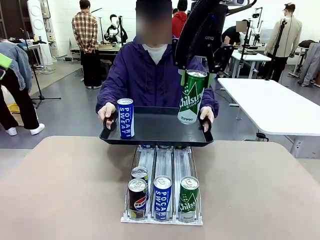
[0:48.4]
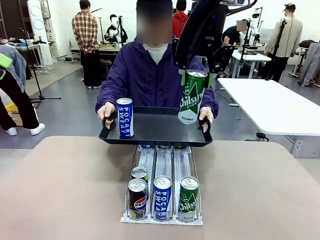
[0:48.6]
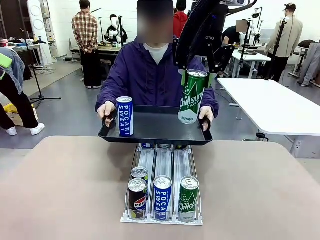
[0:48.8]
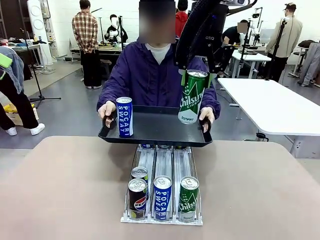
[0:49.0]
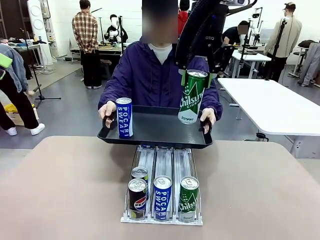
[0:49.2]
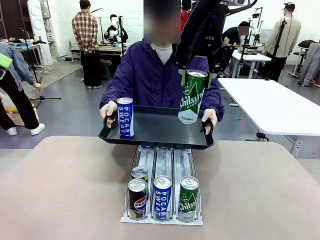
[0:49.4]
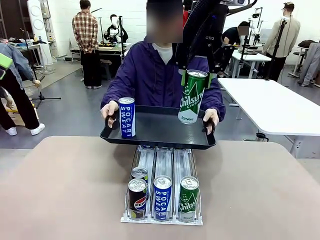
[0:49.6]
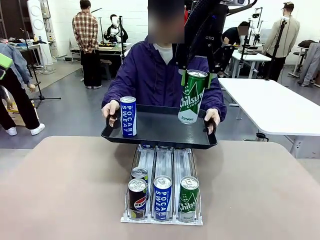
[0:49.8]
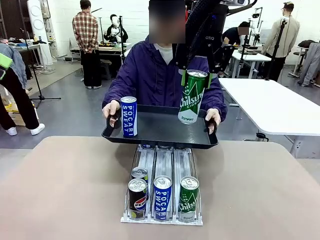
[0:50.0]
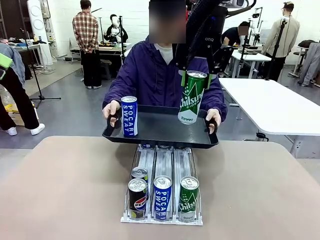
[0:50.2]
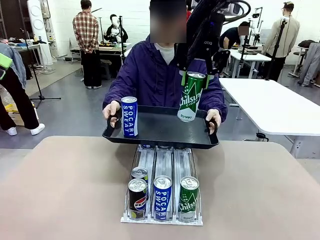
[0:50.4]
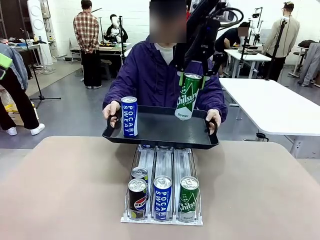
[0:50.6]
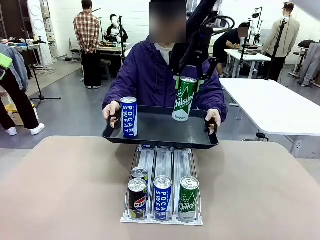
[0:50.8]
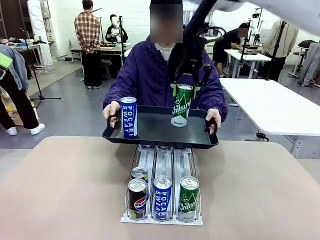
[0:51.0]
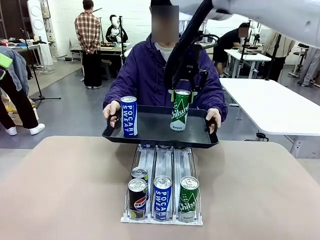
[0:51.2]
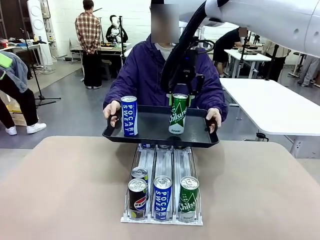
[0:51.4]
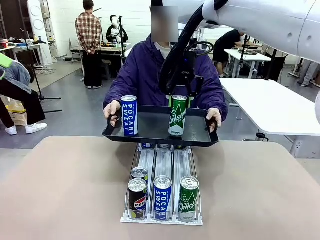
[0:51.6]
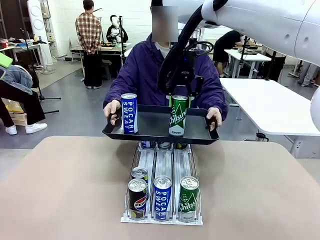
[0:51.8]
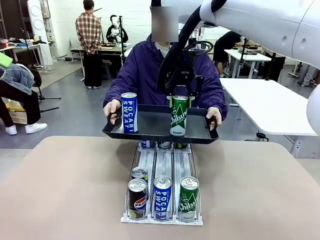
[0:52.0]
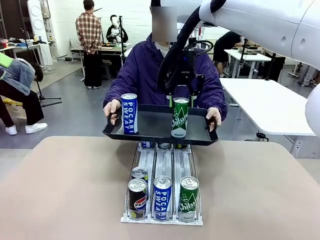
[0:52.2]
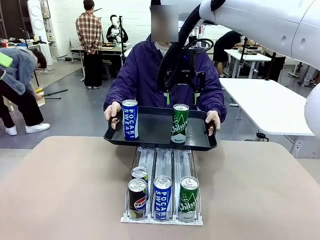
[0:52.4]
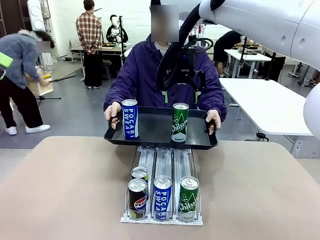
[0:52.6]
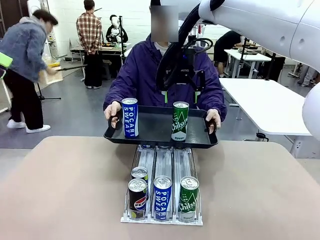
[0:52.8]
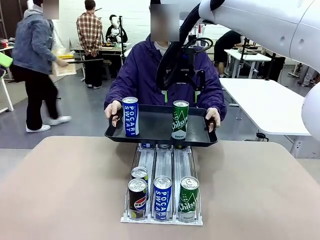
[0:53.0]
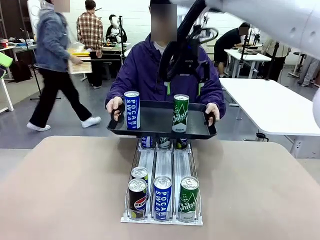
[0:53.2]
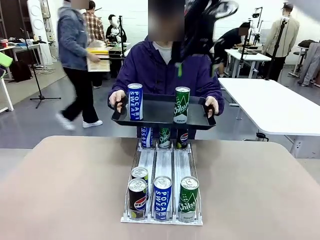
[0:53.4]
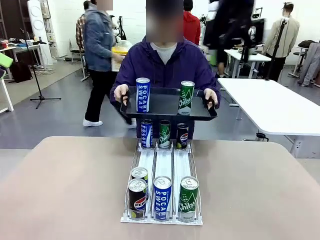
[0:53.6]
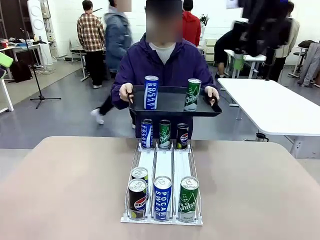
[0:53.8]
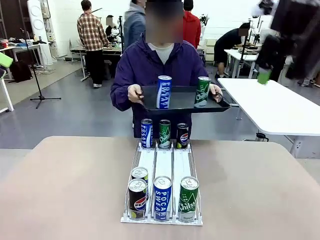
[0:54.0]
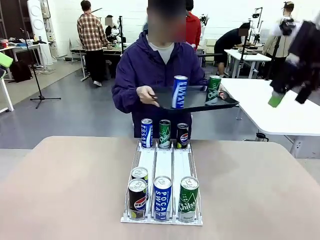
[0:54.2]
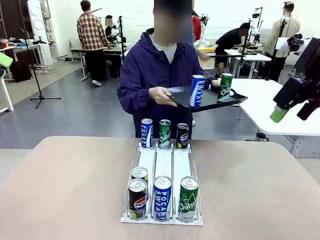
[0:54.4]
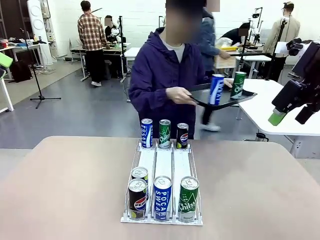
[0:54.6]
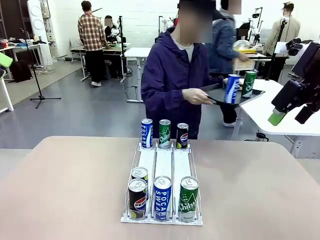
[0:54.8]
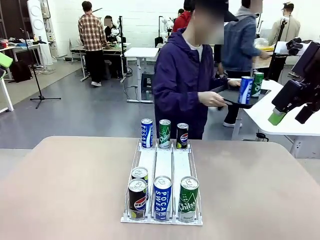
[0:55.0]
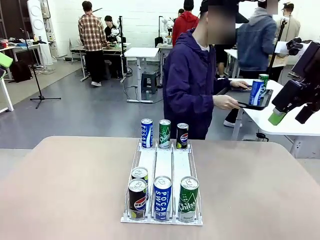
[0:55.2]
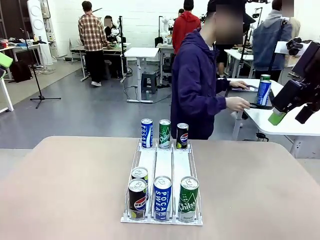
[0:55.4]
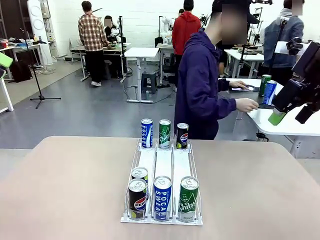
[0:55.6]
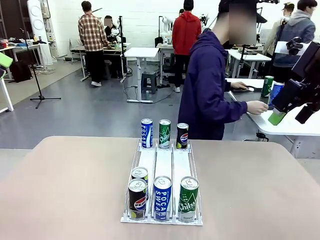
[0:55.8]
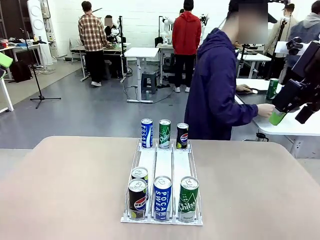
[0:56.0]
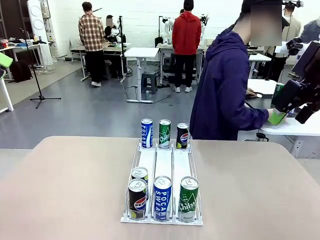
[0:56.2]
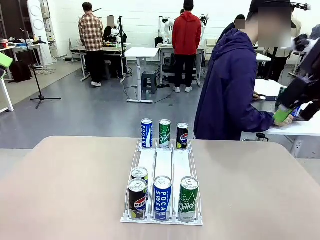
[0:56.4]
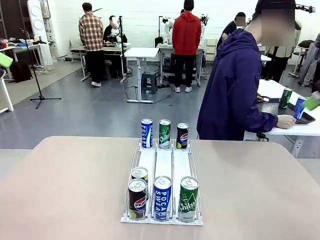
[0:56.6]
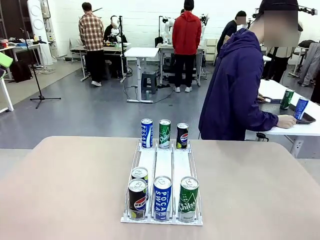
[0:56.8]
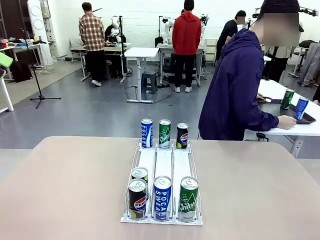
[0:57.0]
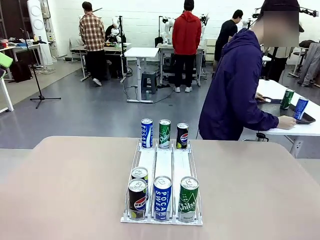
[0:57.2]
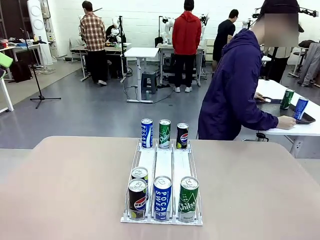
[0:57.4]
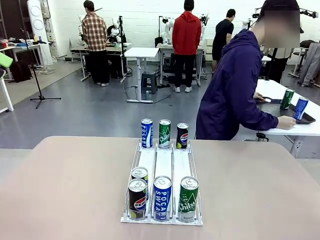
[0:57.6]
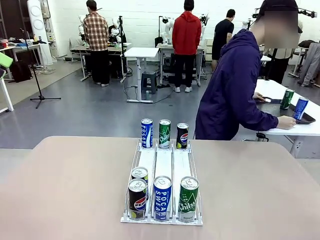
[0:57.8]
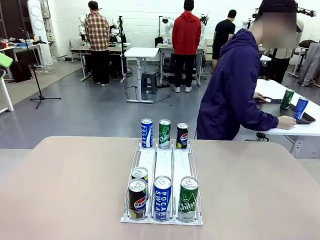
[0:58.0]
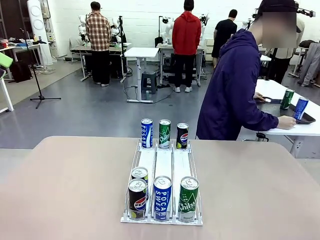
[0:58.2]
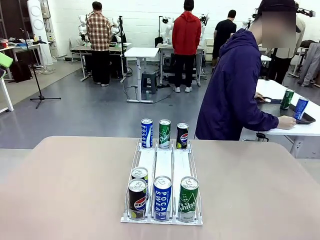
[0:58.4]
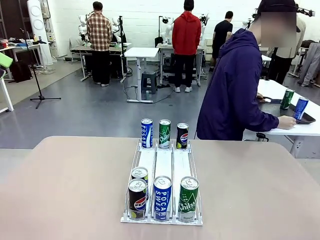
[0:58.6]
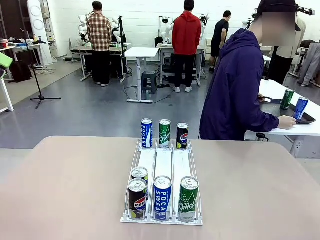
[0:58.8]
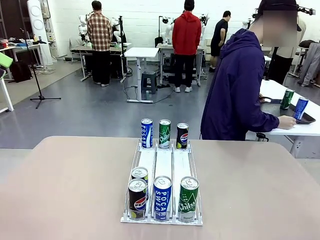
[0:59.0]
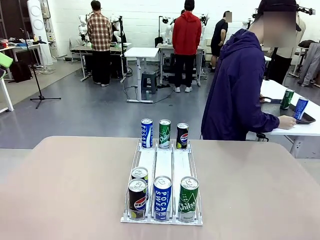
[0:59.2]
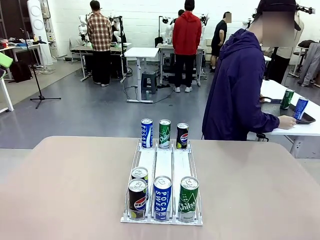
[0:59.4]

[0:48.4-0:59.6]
Task: Retrieve and hand over the desired beverage to the person.
Robot: Place the picked can on the Handle tray extended by the person.
Person: Pull the tray back and place it at the center of the human table.

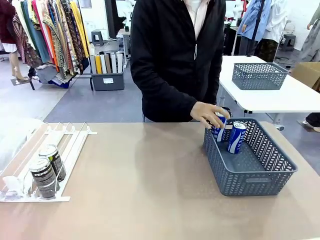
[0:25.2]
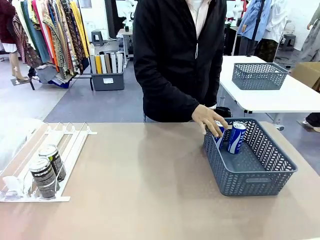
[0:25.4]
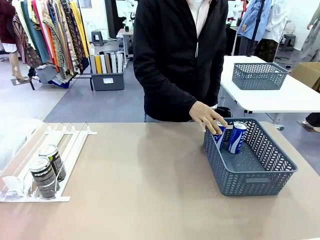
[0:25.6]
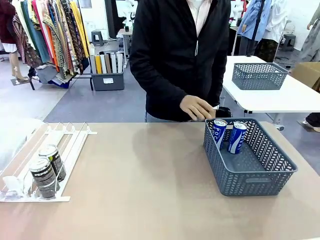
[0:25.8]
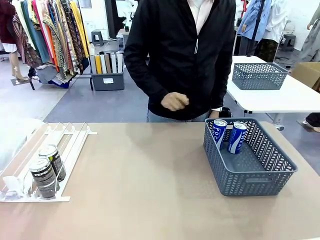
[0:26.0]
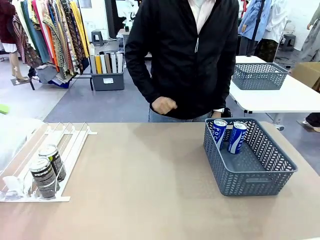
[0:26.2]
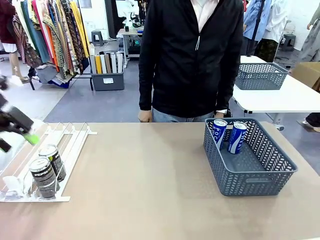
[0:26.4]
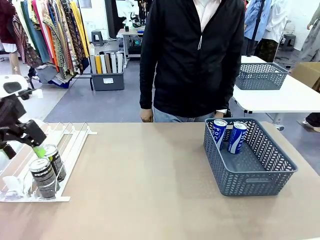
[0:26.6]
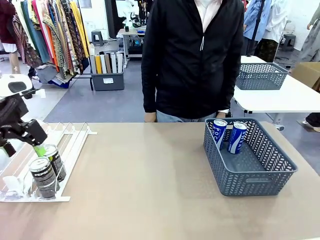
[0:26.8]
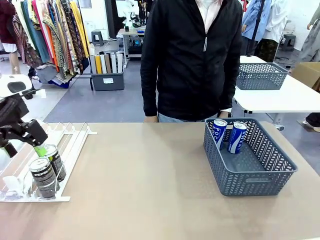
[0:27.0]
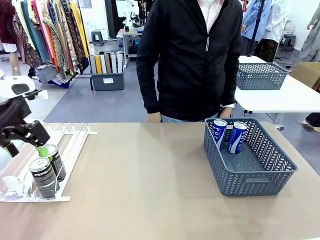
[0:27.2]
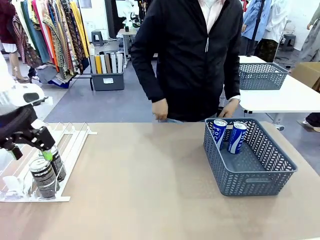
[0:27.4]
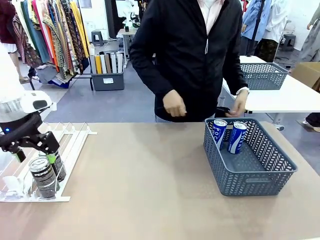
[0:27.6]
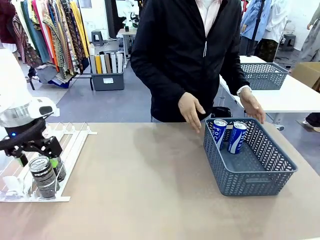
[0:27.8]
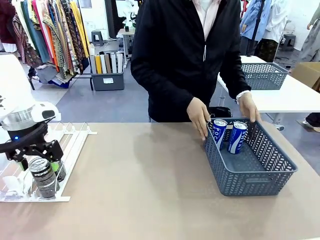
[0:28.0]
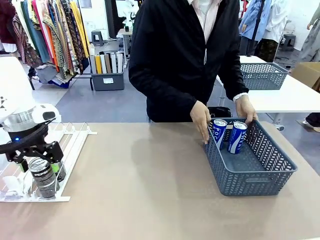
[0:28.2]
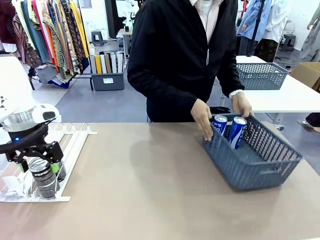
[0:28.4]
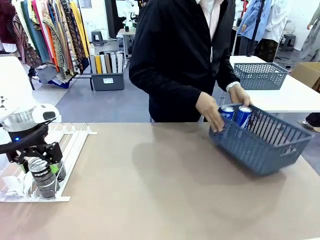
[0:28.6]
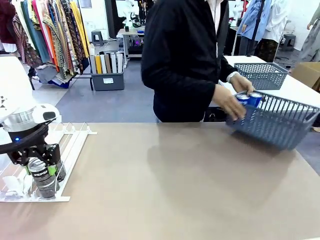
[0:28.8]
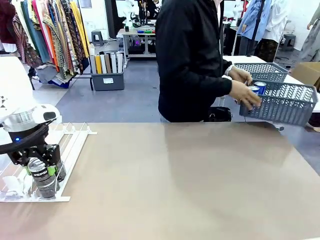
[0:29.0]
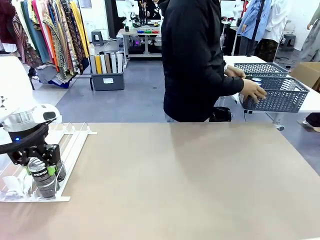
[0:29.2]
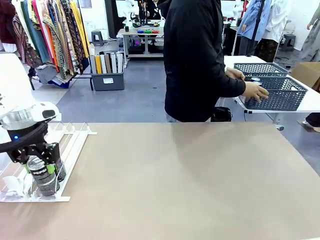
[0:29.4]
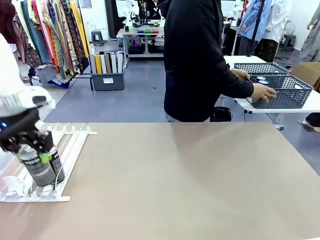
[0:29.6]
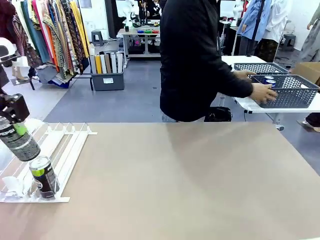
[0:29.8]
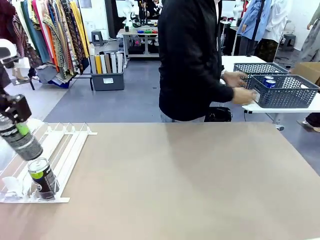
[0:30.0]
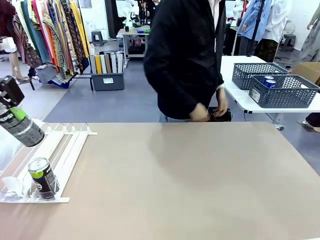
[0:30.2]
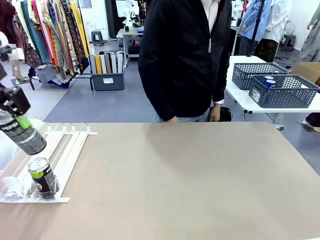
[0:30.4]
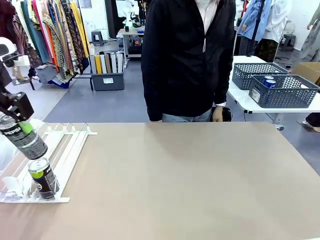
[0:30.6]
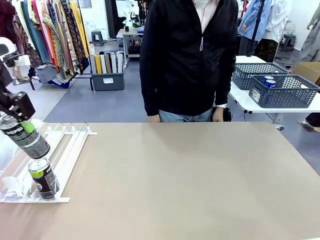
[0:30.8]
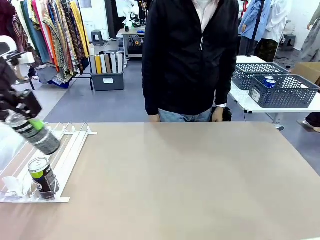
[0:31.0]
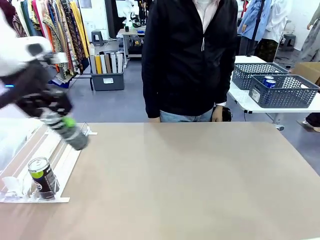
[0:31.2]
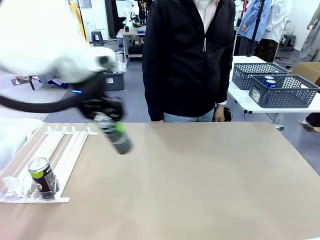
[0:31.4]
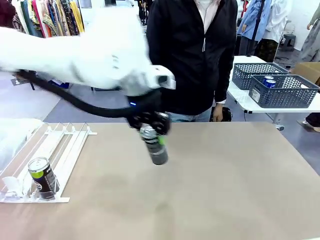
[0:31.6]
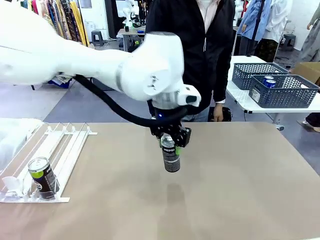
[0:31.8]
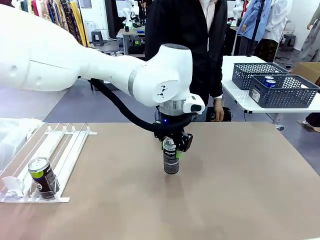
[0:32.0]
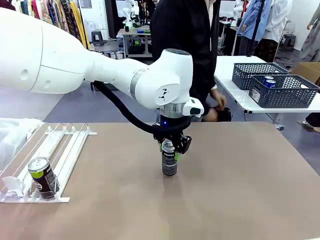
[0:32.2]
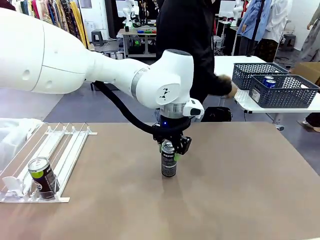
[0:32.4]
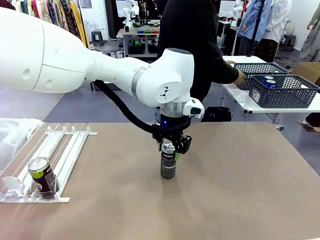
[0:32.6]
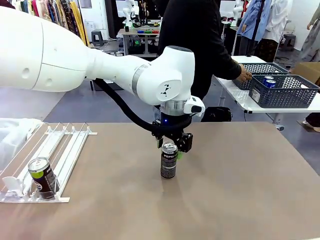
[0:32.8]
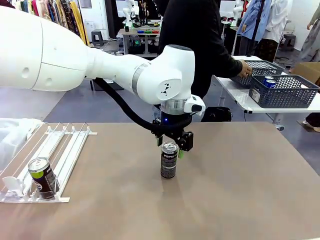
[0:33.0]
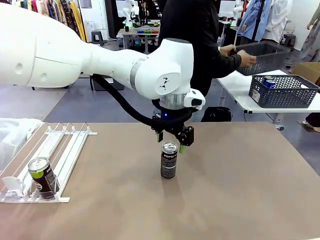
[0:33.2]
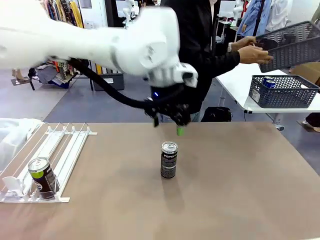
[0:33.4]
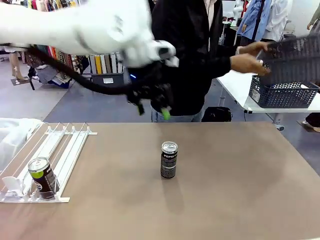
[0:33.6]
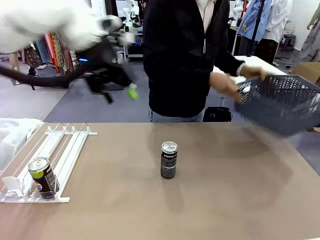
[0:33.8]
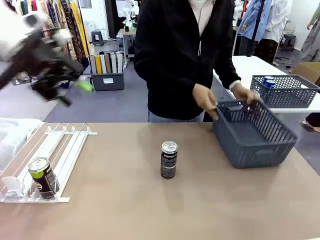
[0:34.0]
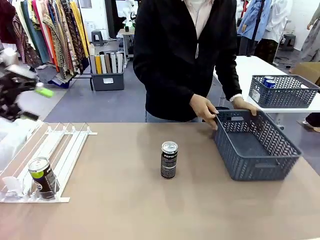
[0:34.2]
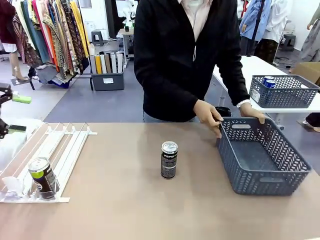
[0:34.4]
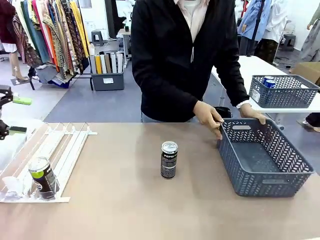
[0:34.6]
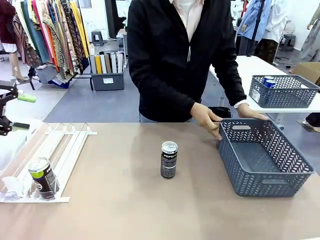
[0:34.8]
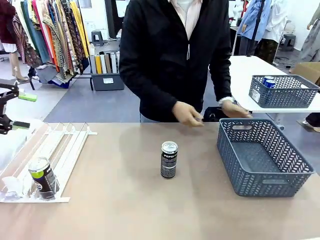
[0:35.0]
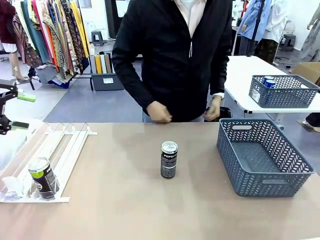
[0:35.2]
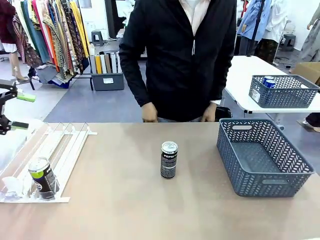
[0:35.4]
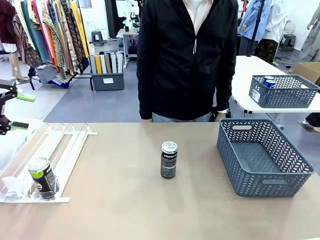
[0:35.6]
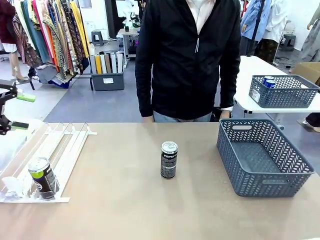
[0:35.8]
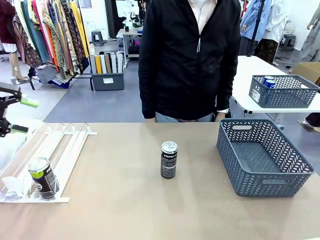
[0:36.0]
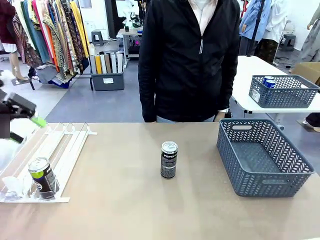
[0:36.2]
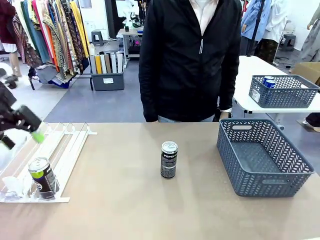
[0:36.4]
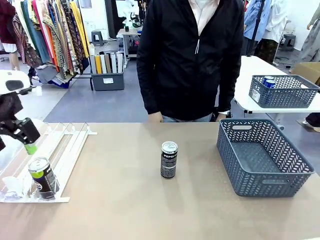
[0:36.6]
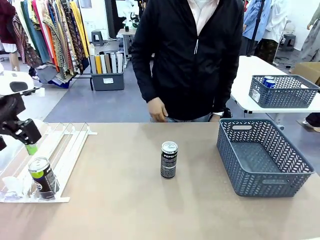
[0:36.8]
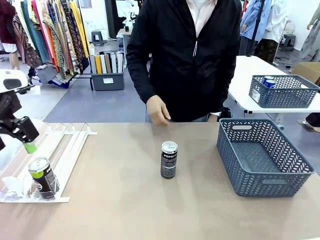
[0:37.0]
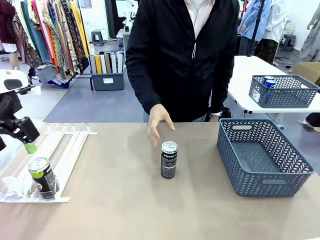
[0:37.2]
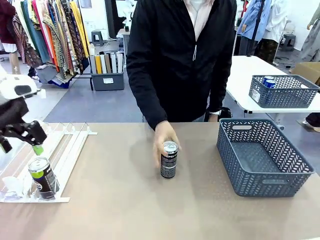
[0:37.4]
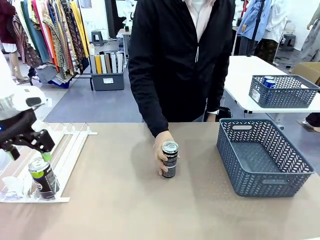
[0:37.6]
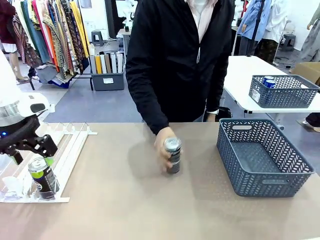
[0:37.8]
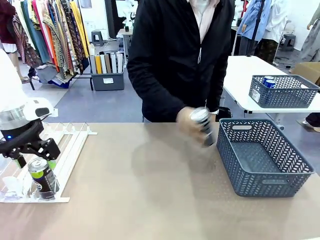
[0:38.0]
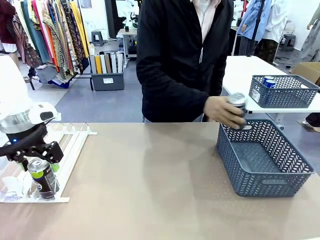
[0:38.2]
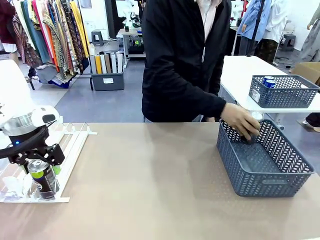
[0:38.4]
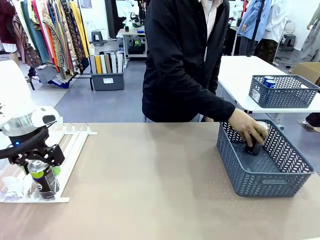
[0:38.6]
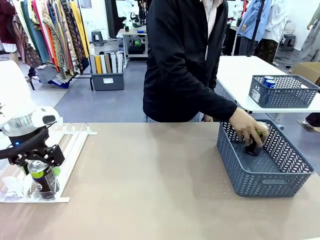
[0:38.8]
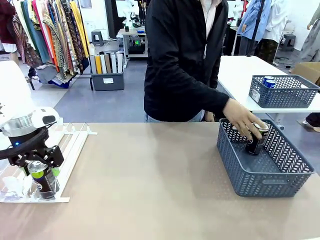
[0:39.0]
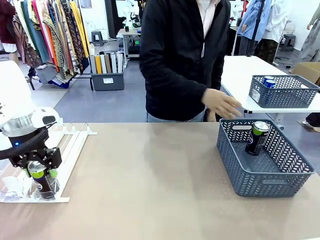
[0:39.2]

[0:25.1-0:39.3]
Task: Retrieve and store the cans from the dispenser.
Robot: Pick up one can from the Automatic Can Dispenser and place it in the middle of the table.
Person: Pick up the basket and place it in the middle of the human table. Pick up the empty basket and place it on the left side of the robot table.
